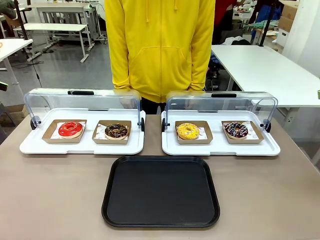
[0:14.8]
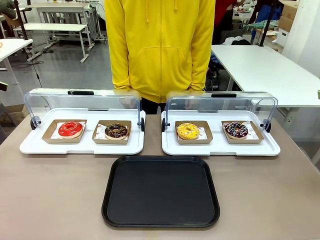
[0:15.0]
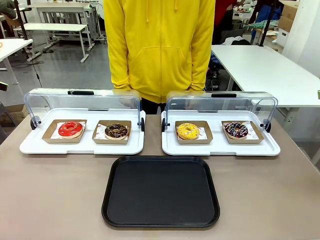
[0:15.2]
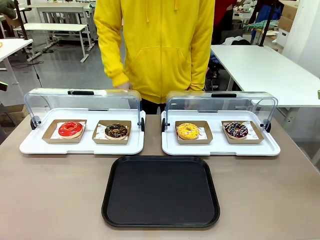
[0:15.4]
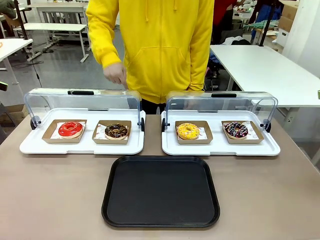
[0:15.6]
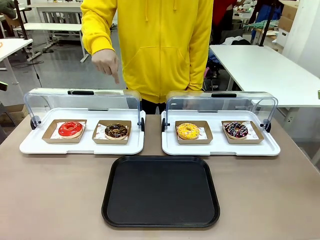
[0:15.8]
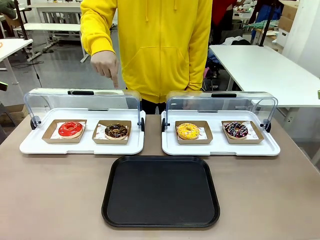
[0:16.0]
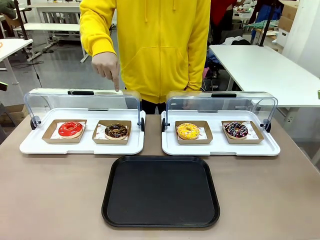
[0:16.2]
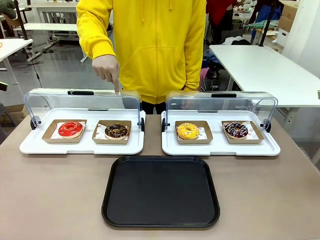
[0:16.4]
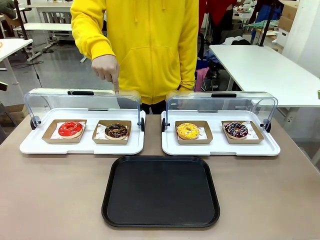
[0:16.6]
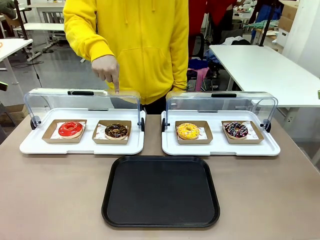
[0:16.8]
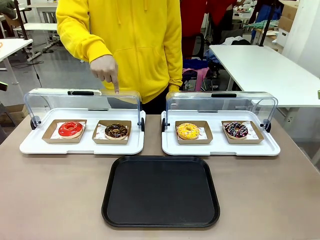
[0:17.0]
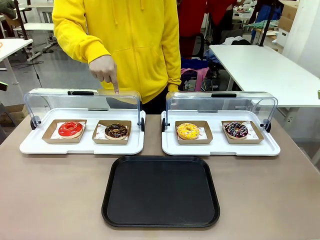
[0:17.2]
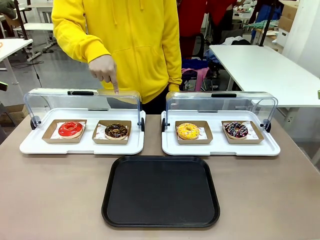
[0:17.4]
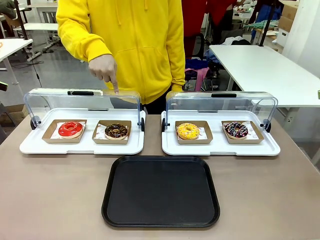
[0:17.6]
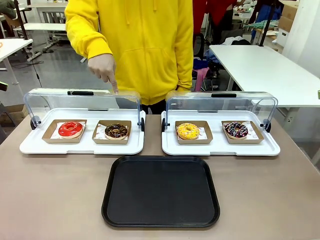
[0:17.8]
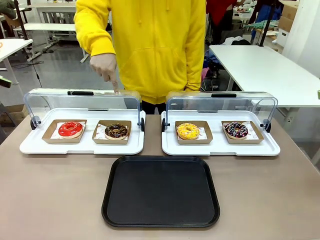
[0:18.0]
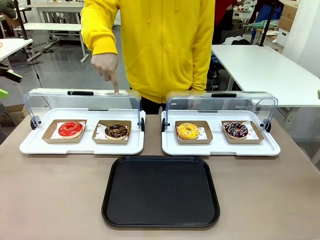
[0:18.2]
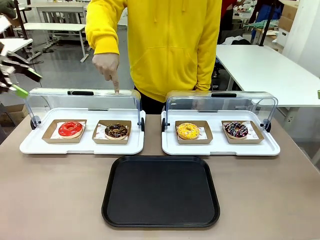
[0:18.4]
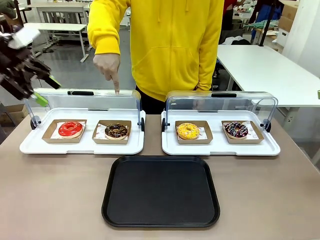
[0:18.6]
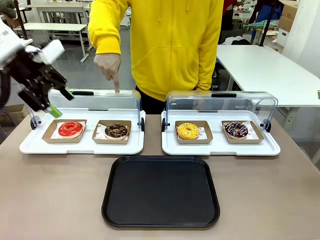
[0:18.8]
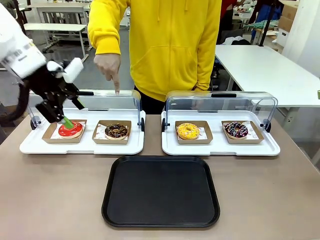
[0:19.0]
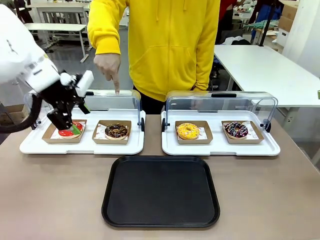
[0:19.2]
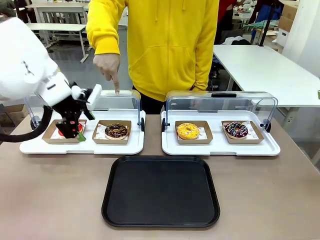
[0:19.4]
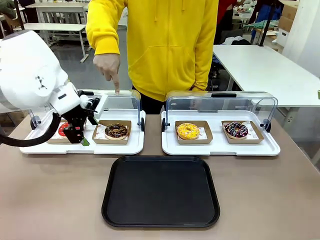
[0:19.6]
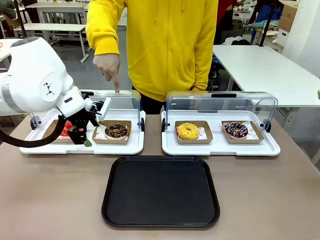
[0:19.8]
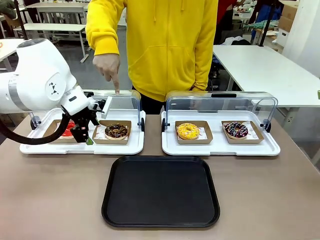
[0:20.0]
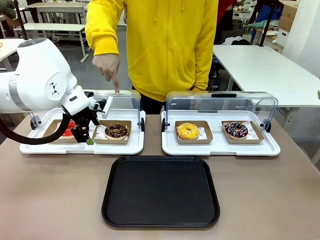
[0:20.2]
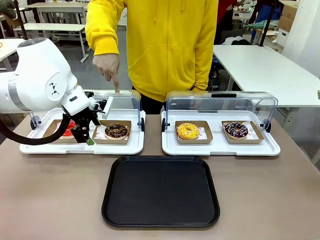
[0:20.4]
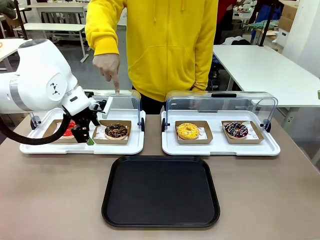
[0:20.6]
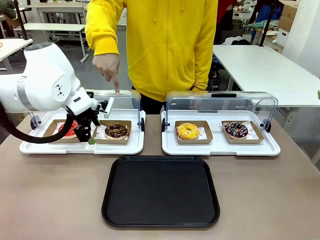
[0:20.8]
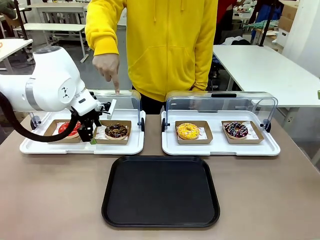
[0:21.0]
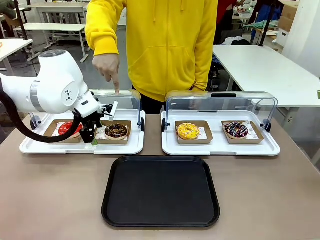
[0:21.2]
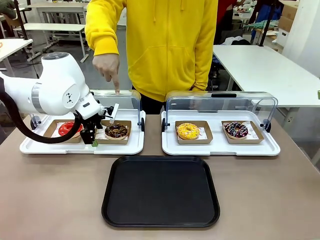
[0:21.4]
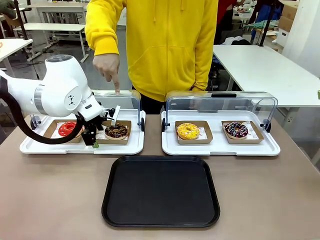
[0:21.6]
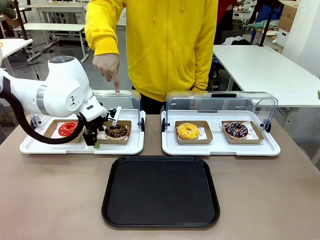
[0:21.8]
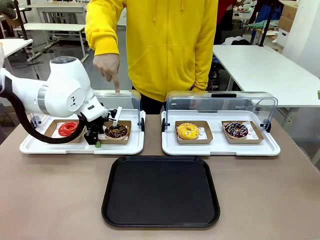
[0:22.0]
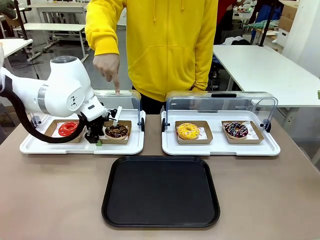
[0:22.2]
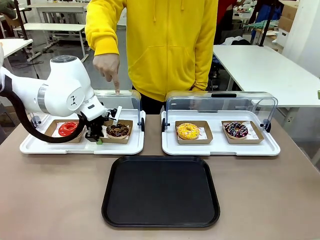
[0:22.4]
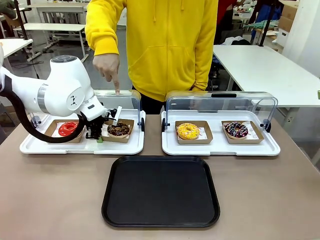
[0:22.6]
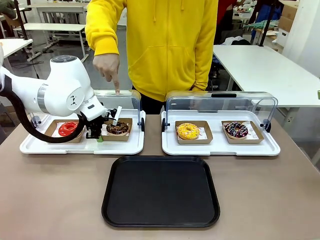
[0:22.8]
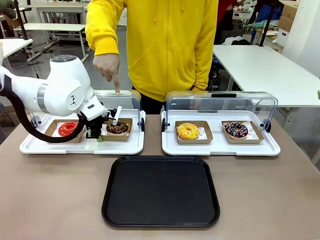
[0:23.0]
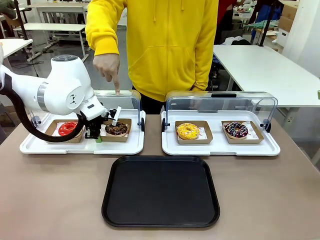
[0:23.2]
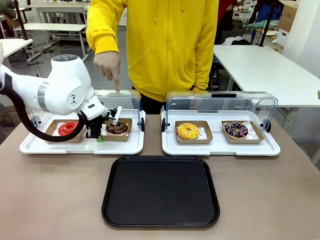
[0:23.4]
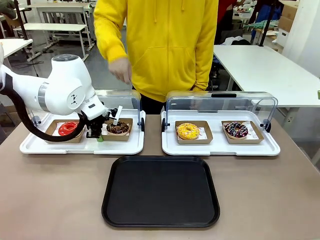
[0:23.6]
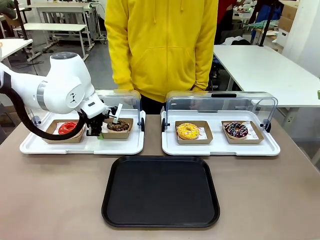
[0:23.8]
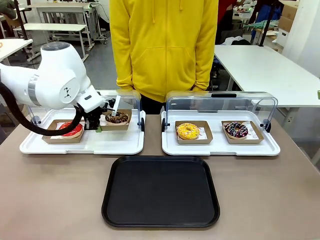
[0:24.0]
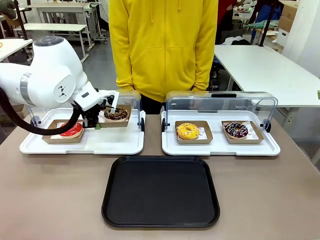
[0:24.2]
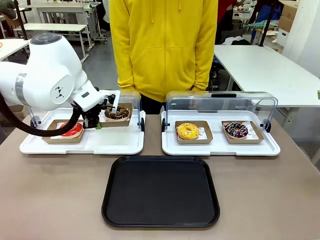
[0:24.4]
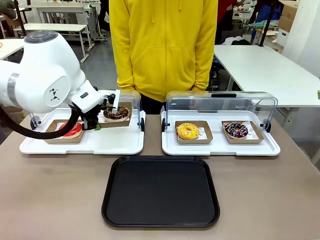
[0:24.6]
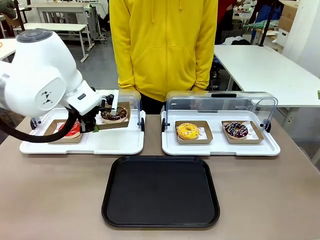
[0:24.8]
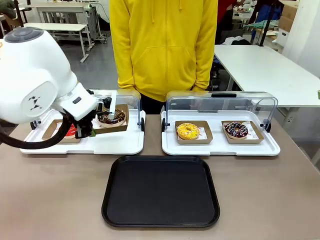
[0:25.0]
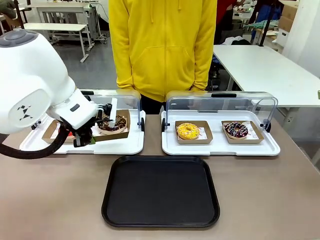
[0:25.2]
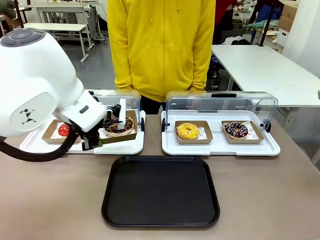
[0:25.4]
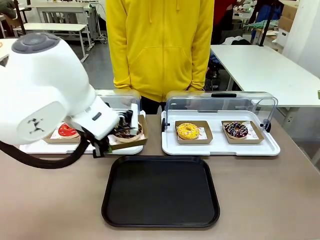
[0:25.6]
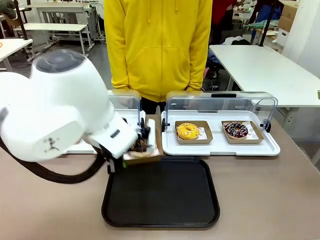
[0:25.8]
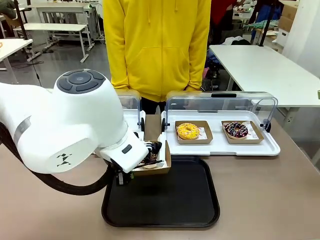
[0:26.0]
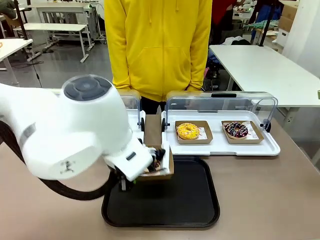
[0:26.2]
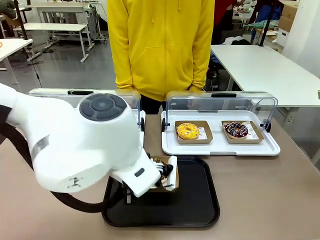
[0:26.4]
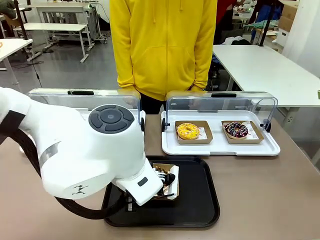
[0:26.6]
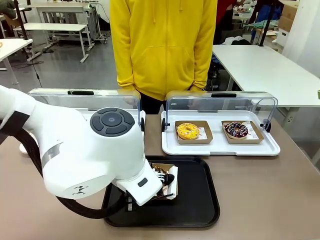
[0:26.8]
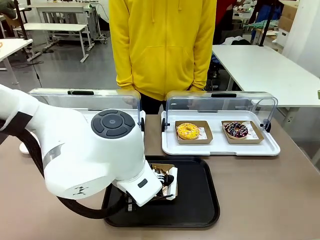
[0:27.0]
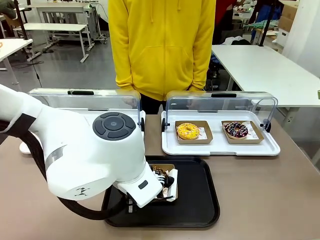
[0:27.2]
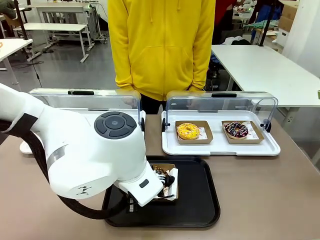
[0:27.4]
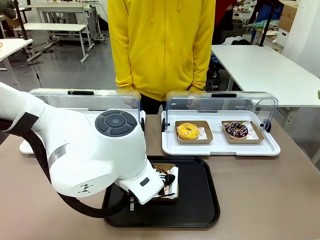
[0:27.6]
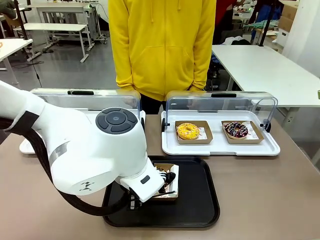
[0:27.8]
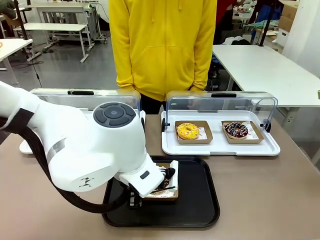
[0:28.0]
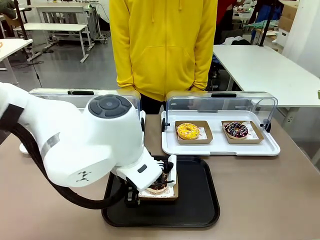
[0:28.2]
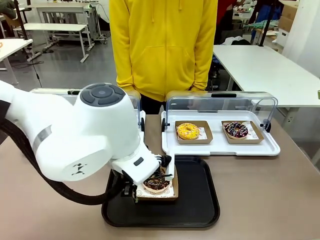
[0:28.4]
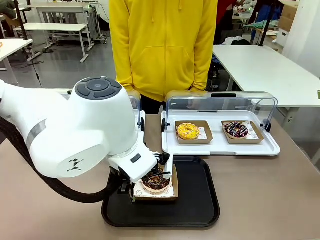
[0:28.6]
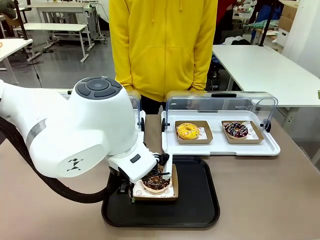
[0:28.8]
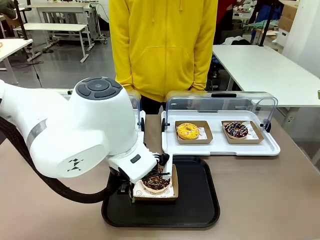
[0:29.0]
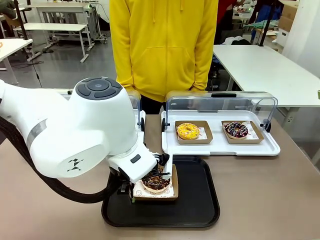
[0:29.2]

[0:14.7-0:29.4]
Task: Move the second donut from the left to the tray.
Robot: Pick up the Paper togo box containing the Donut indicated by the person and place it on the Handle tray.
